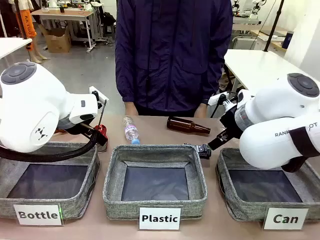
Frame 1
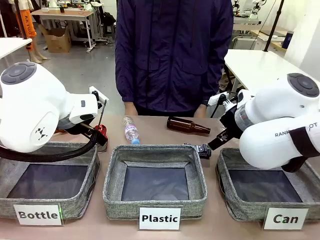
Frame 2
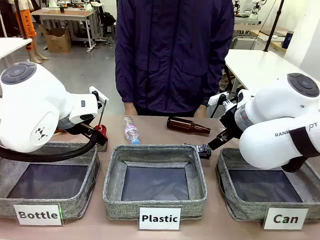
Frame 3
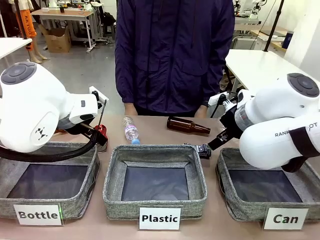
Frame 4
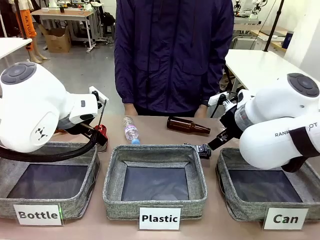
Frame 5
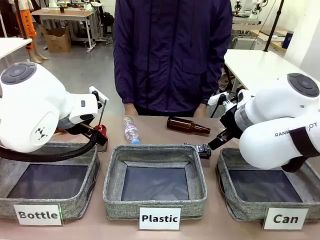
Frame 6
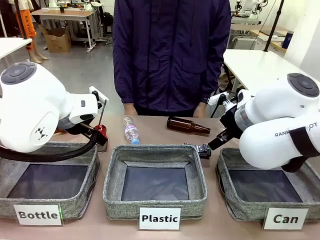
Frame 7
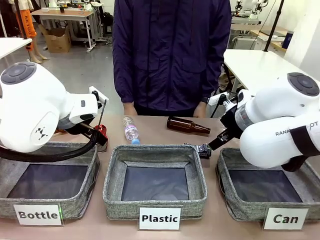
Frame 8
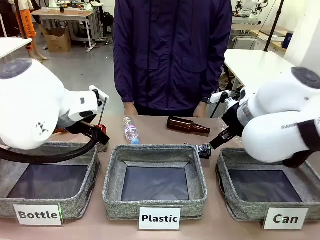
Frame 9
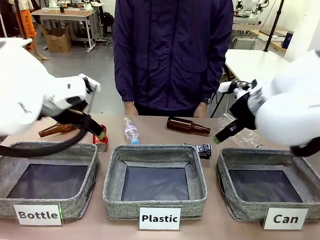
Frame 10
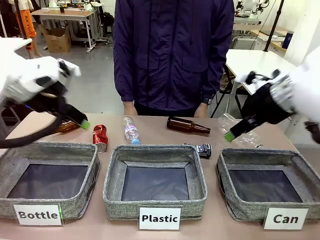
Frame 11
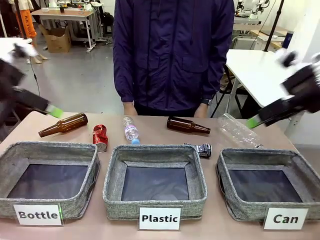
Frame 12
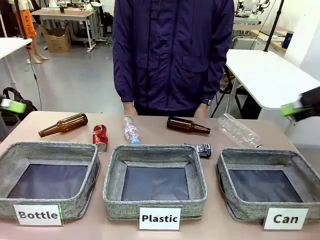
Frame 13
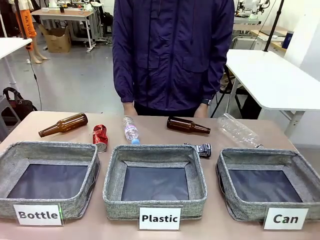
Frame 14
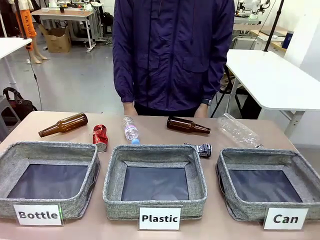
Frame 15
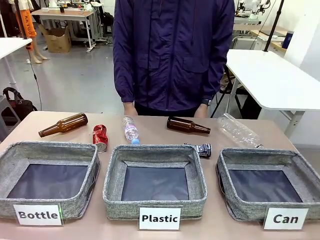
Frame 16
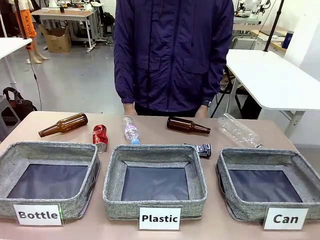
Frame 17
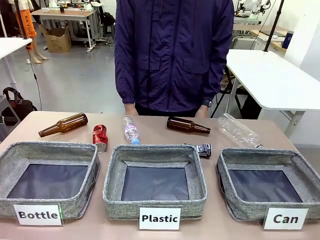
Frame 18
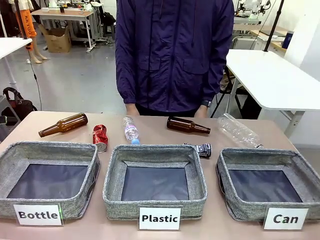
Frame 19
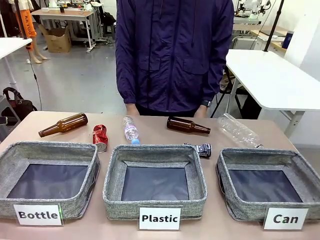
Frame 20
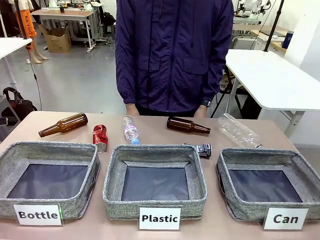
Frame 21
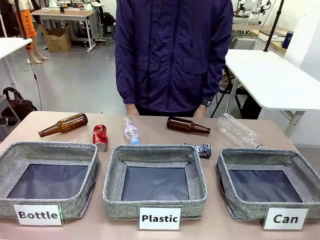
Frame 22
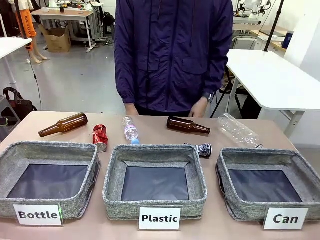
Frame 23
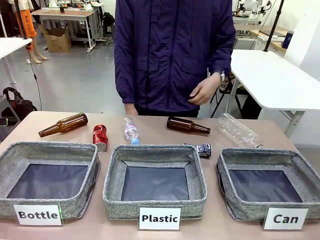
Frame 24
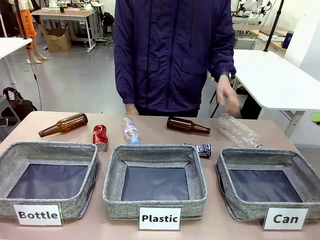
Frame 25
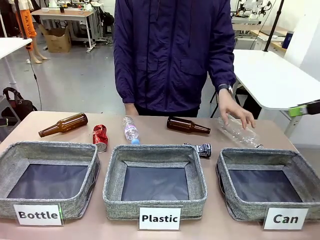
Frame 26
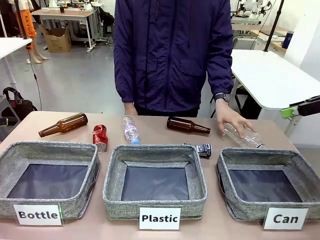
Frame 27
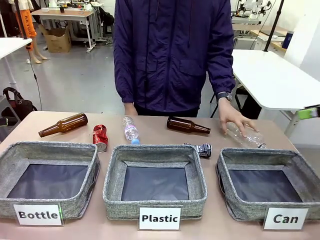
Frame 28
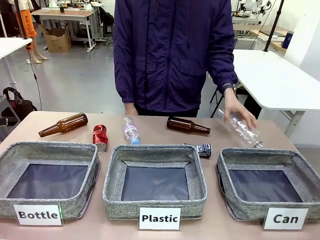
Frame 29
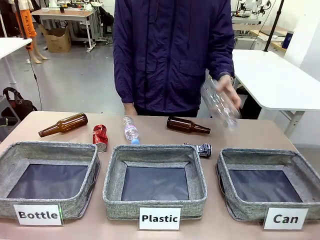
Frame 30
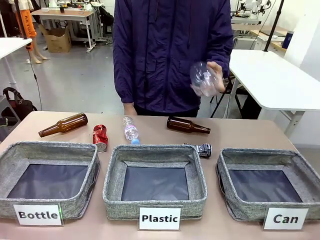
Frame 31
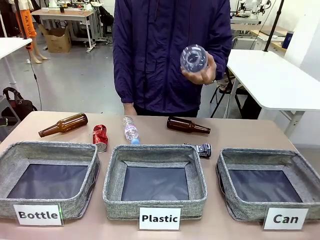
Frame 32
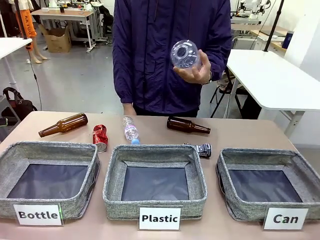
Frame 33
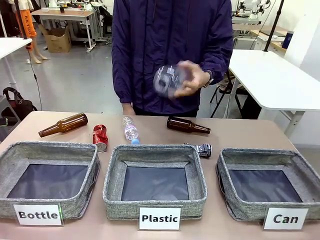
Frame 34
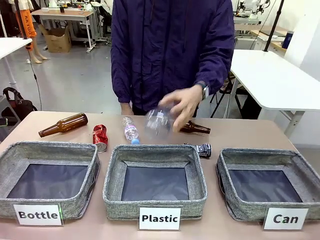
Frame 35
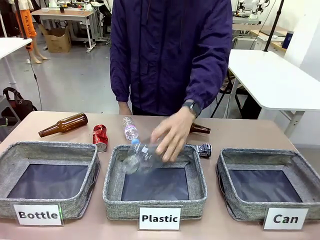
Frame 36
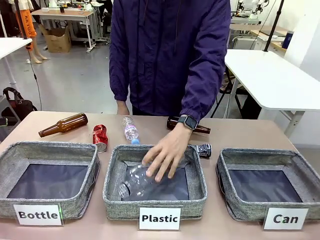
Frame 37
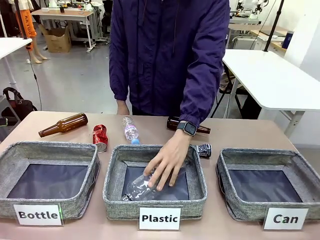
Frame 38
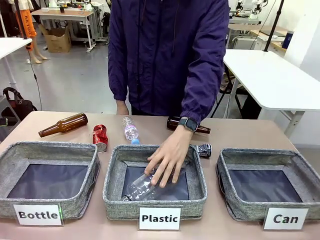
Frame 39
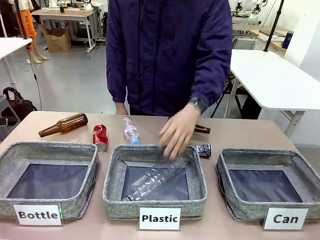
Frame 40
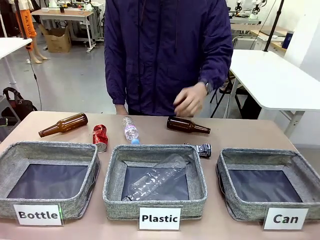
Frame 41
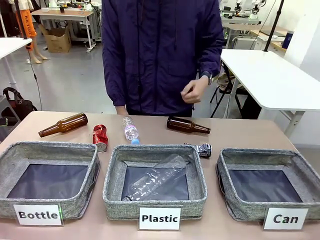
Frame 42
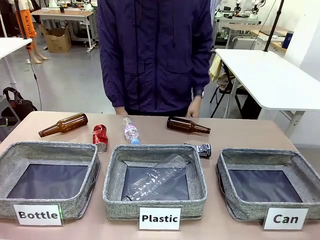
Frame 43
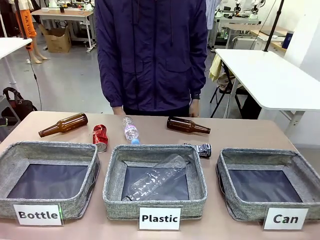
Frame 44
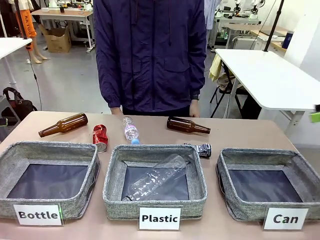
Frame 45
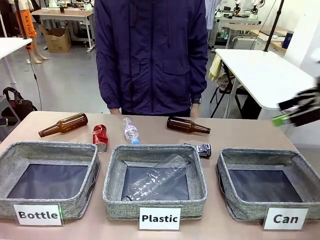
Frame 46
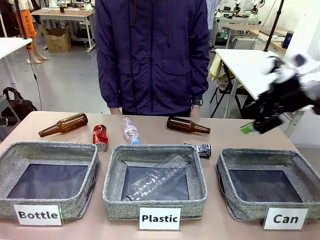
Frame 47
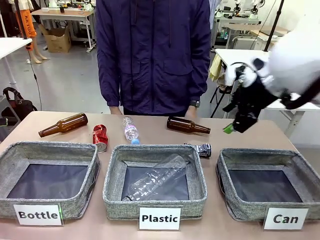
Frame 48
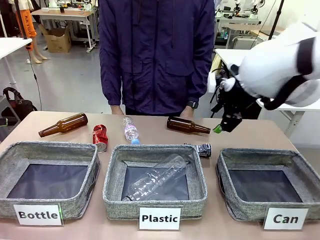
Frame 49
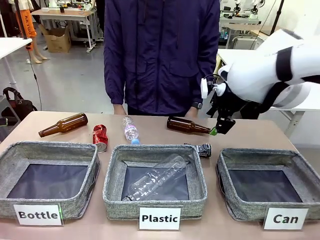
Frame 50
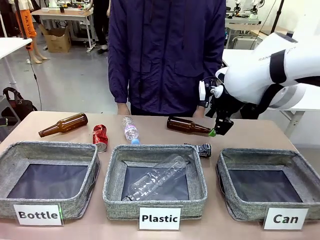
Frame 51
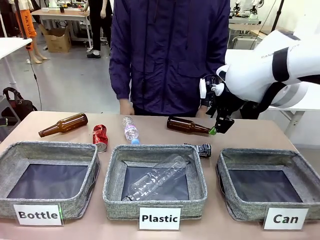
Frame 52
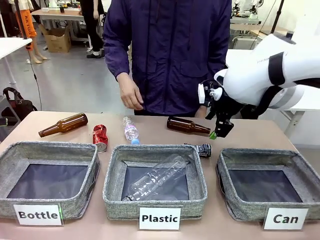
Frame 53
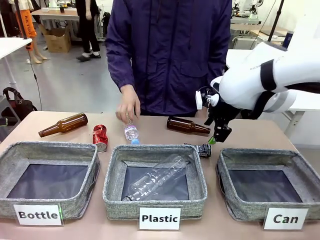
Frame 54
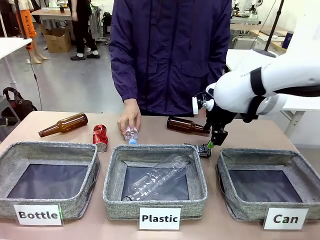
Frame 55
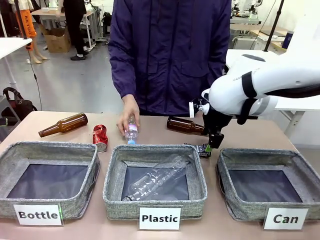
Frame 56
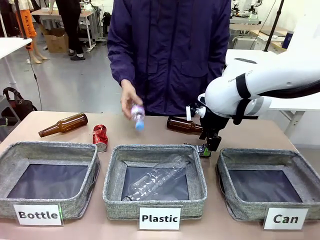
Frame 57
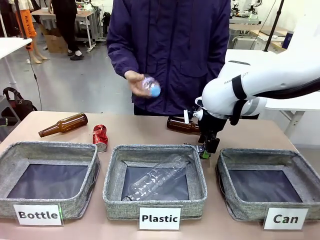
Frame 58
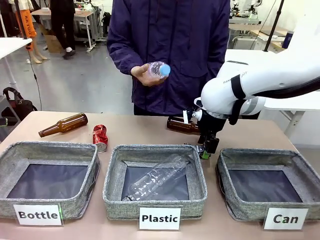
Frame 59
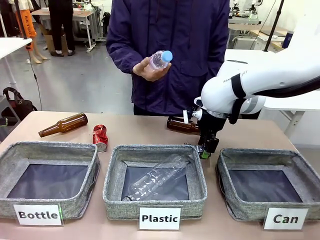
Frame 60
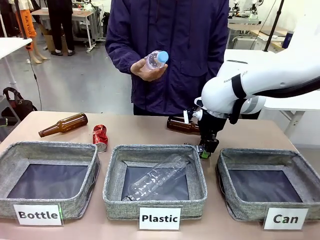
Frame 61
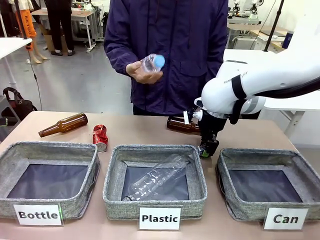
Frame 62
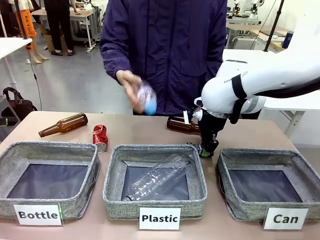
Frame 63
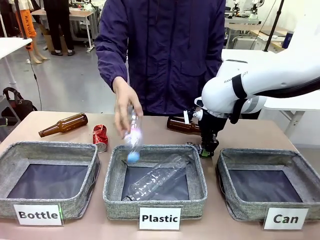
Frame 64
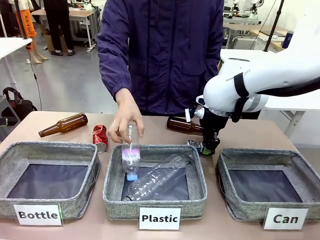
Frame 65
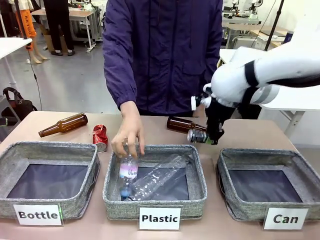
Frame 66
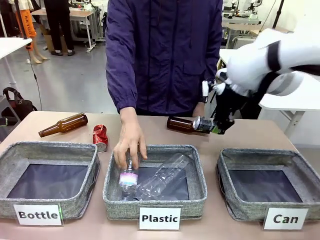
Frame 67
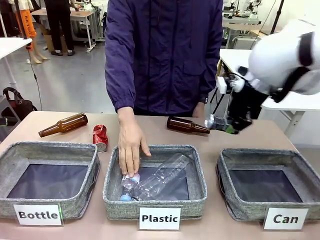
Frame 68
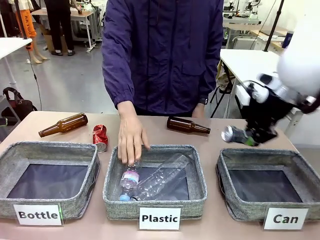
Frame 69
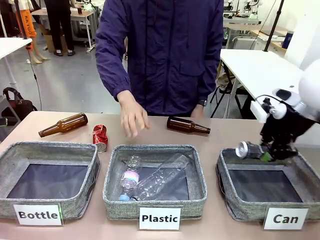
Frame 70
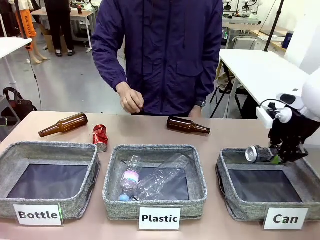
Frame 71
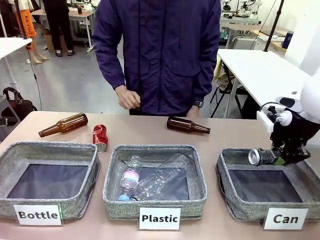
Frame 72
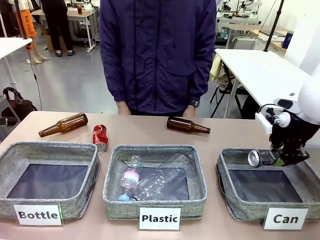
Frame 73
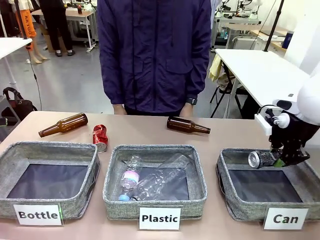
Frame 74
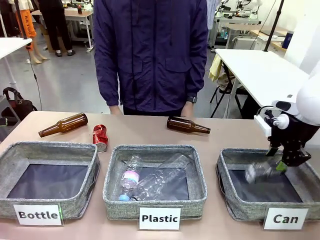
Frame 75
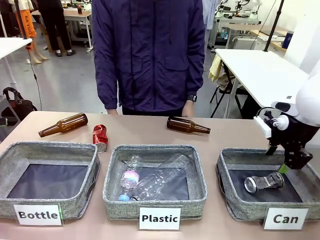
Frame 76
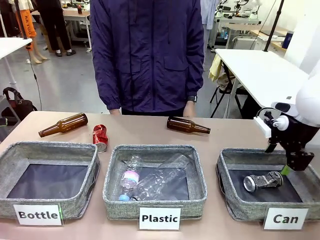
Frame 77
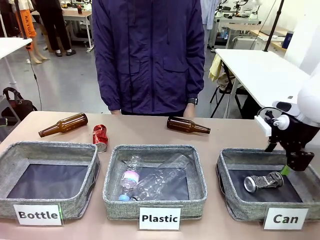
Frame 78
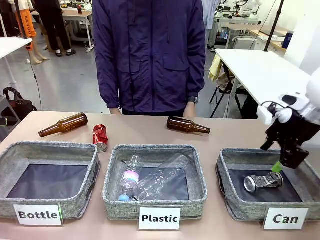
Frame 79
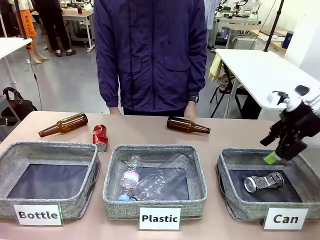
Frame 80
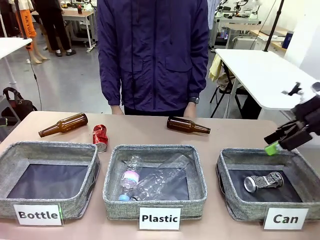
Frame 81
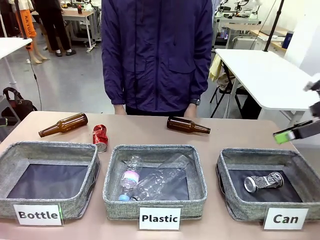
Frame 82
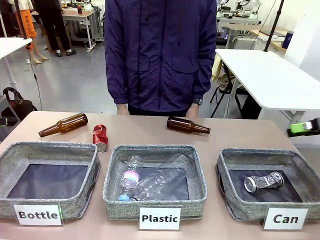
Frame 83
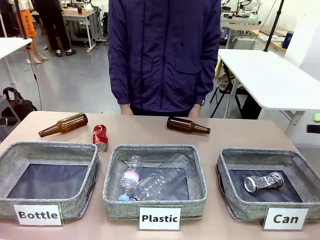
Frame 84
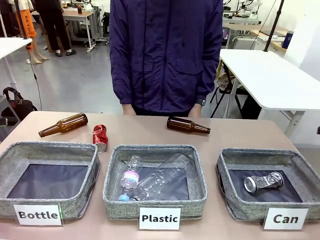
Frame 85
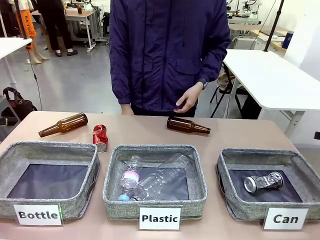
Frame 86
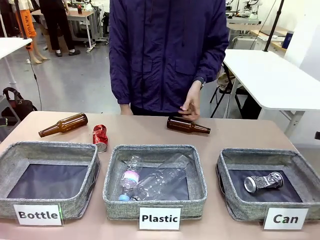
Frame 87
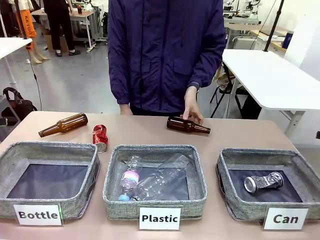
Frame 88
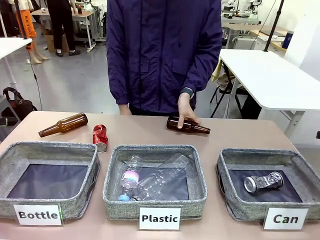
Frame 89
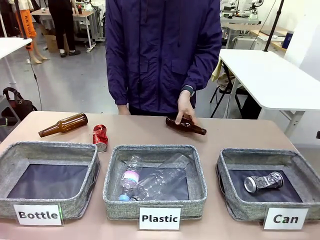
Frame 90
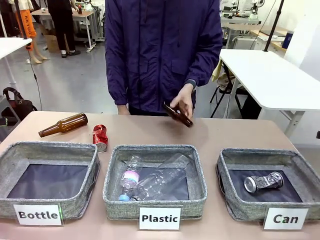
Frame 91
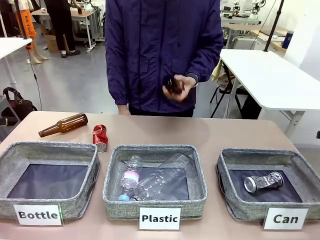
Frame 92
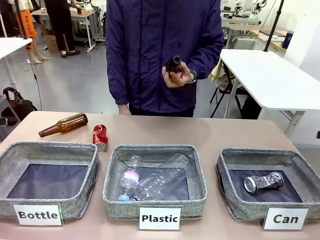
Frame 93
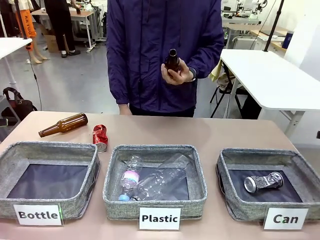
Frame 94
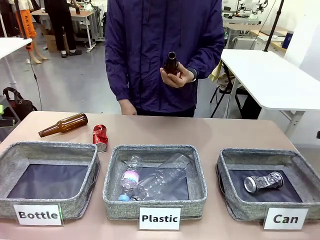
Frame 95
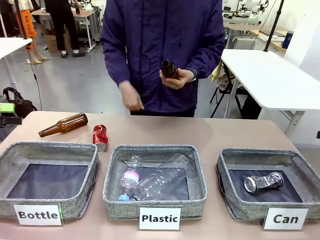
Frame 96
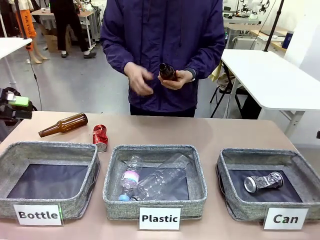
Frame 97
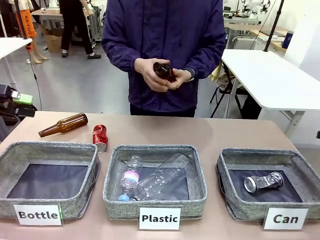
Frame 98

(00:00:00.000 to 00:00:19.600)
Task: Sort the can waste into the basket.
Robot: Pick up the can waste from the table and place it in the right Fabric basket.
